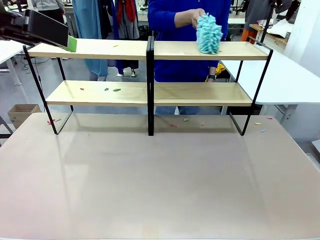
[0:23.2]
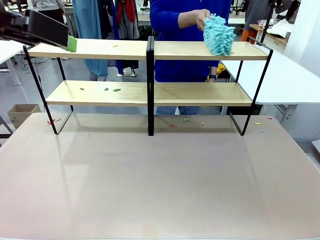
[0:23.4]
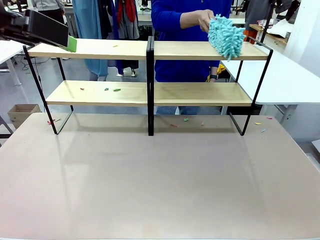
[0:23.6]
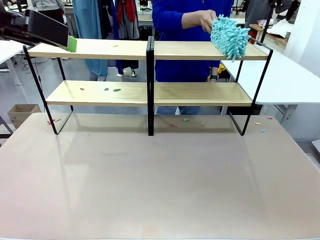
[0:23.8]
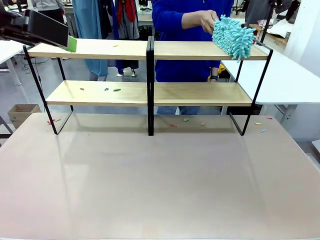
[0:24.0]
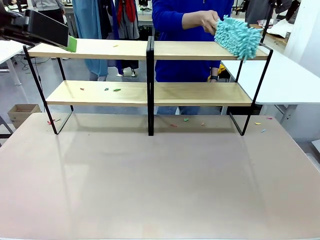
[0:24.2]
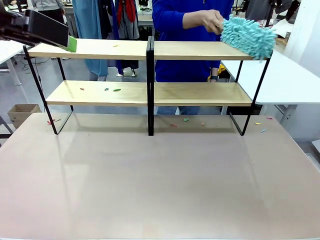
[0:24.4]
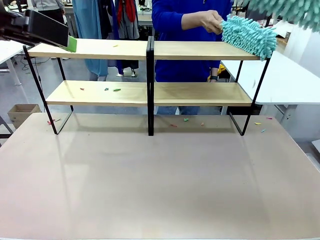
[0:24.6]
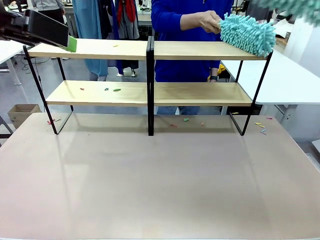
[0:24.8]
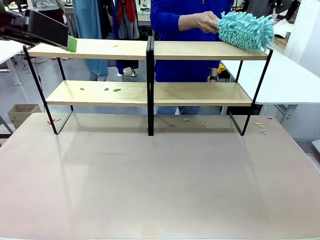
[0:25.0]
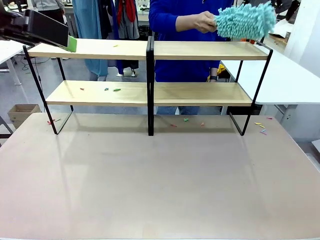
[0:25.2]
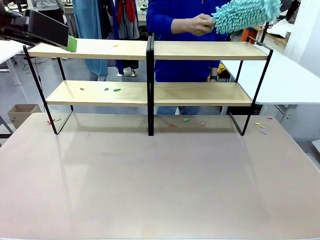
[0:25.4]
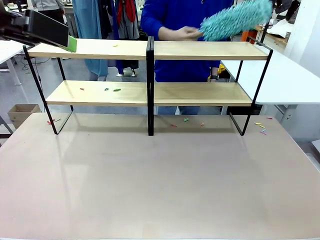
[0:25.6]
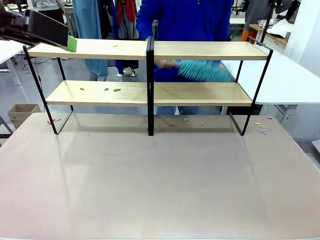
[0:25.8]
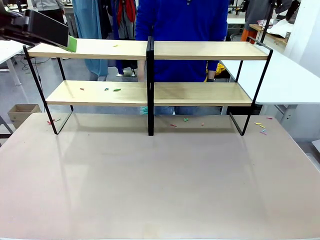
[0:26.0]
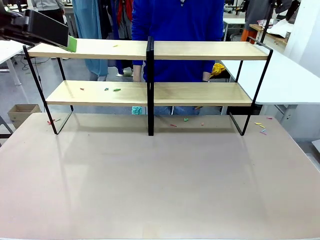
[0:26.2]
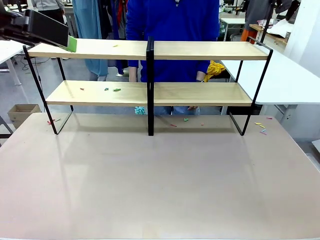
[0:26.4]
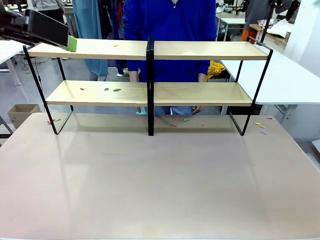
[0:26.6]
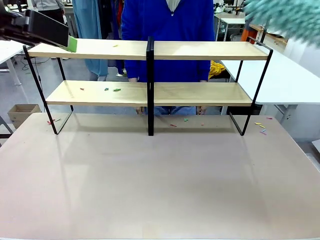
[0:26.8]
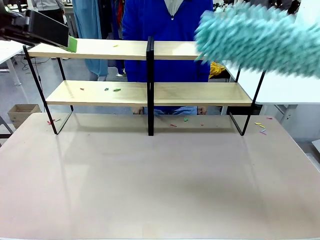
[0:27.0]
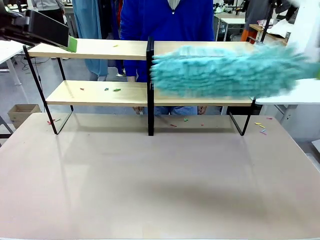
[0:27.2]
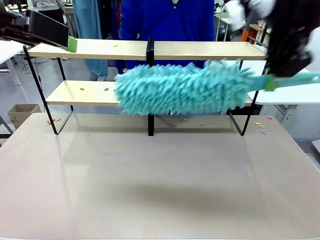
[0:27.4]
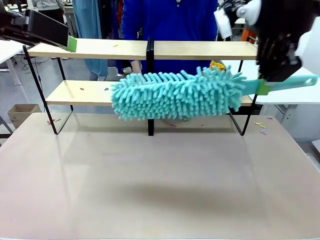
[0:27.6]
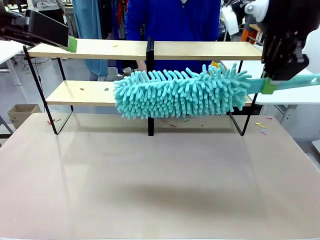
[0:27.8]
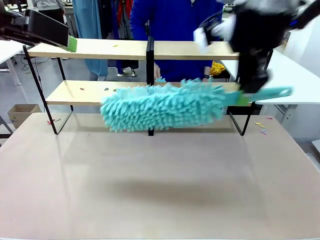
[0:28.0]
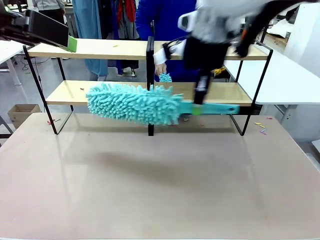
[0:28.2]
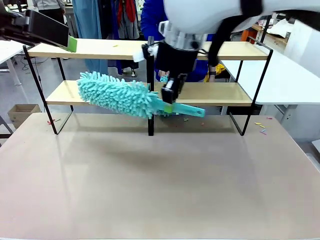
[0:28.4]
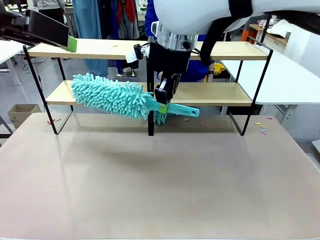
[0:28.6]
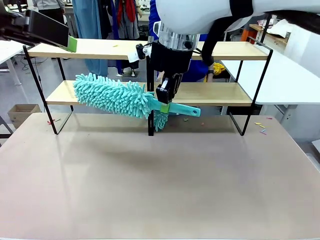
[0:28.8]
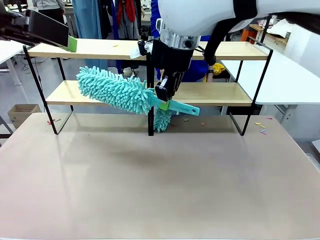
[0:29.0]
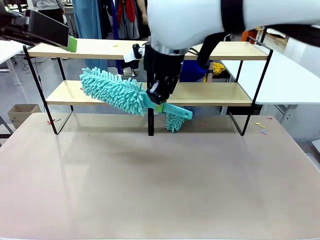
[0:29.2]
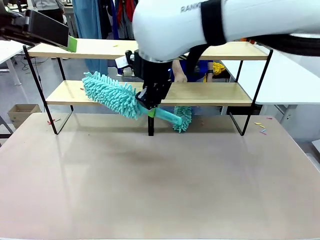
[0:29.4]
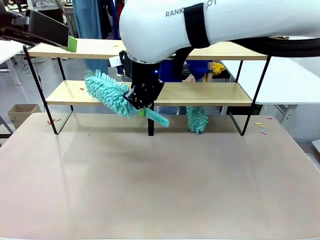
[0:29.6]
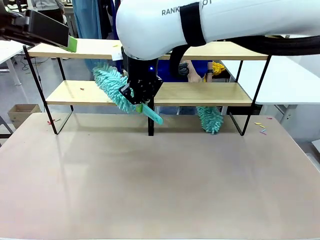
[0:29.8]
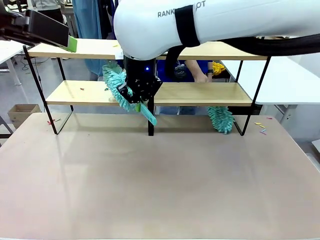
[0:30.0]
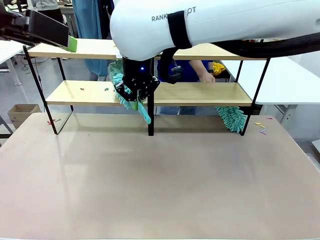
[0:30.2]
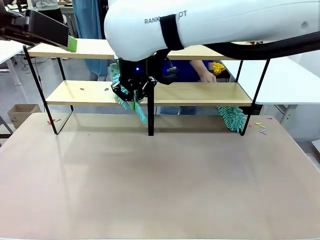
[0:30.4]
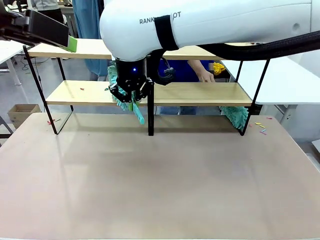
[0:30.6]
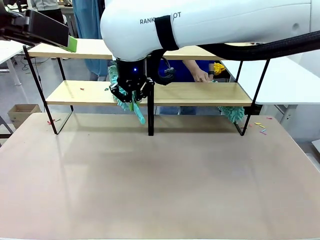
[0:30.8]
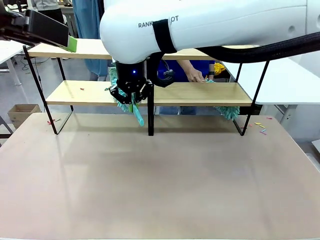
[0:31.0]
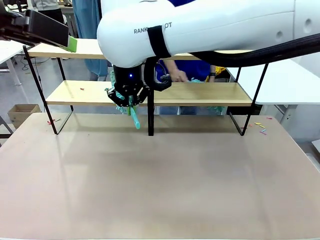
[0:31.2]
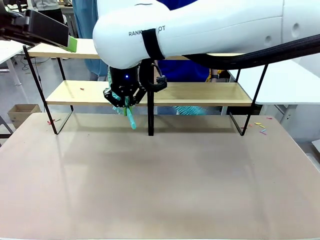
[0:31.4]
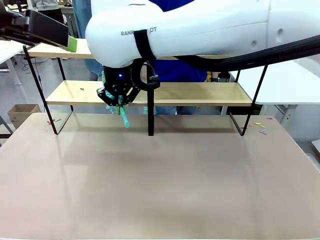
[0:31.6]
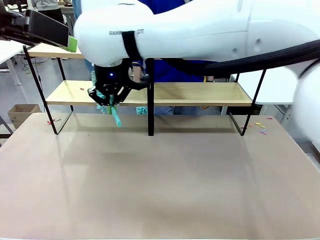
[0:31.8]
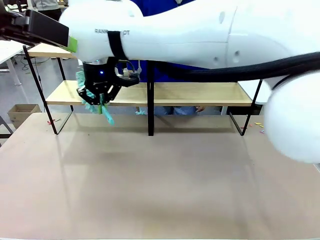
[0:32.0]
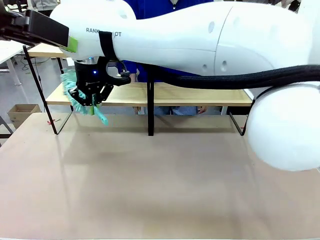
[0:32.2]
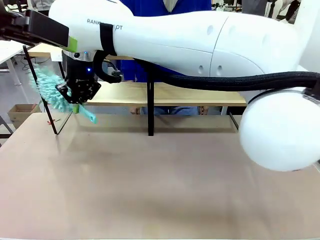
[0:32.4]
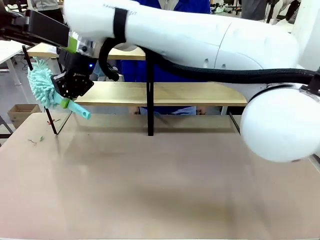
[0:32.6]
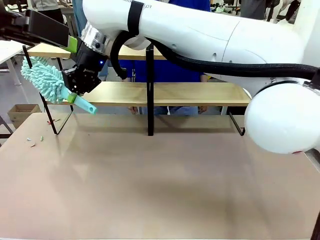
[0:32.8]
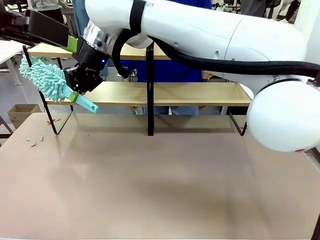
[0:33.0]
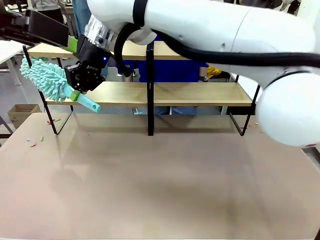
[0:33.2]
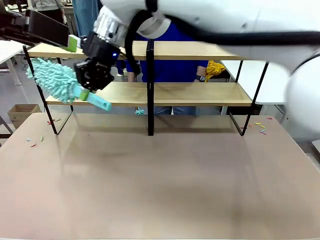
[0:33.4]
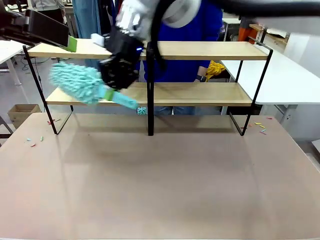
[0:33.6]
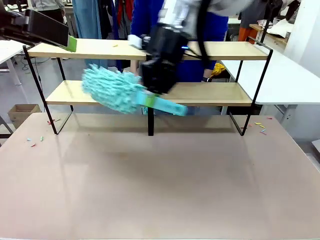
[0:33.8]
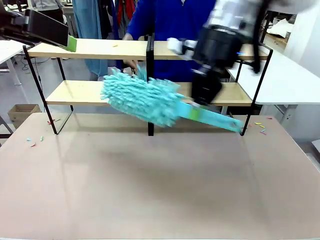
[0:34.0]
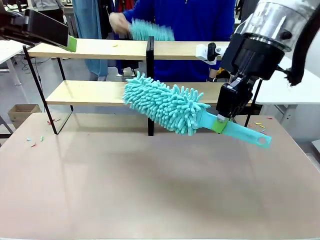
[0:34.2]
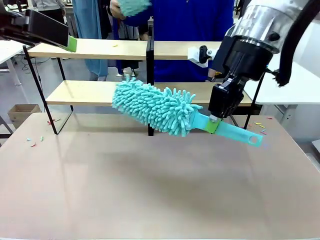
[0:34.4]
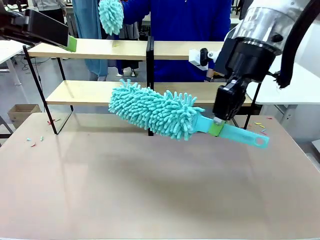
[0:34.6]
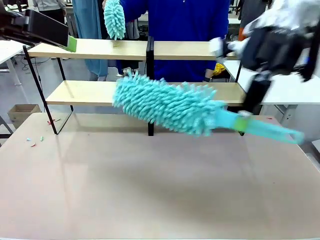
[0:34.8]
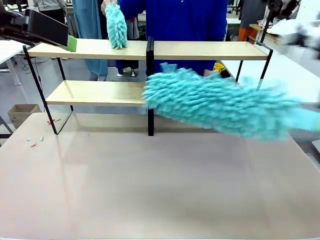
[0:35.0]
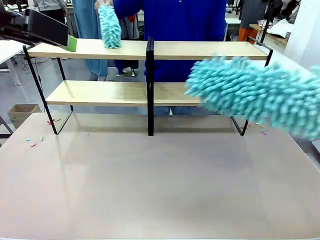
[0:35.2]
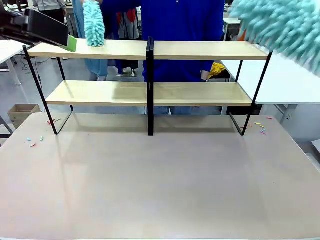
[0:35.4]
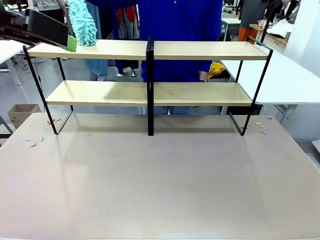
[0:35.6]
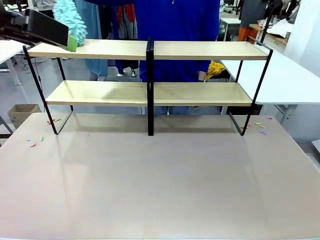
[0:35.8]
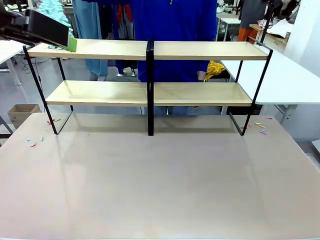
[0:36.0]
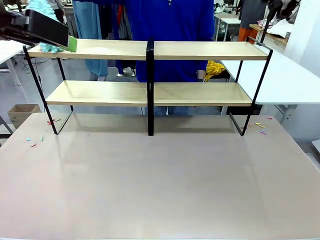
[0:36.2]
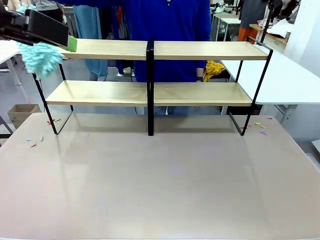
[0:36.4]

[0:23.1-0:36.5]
Task: Clean the shelves.
Robot: Clean another randomly selected level of the Shelf with the Duster.

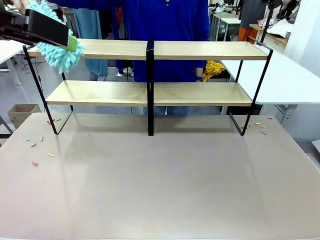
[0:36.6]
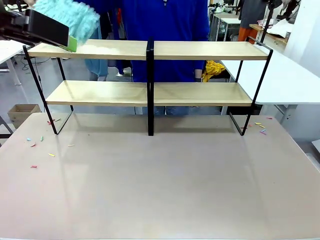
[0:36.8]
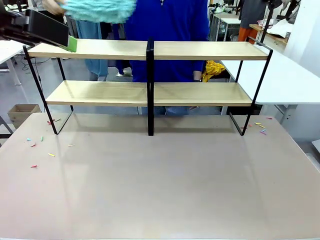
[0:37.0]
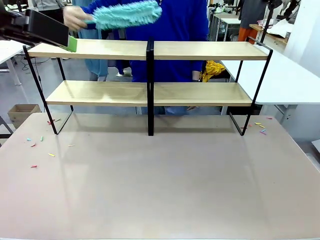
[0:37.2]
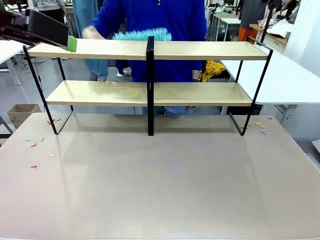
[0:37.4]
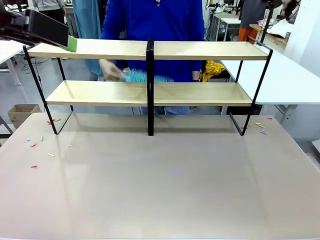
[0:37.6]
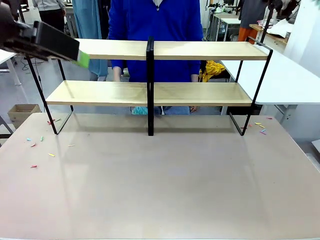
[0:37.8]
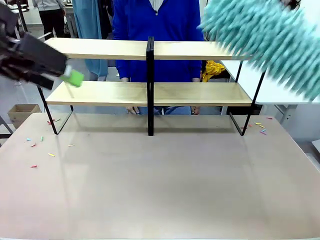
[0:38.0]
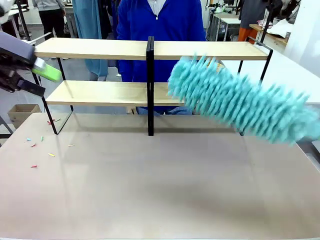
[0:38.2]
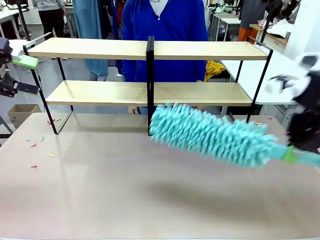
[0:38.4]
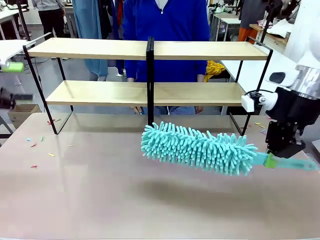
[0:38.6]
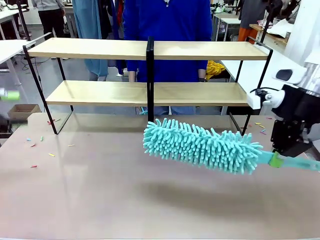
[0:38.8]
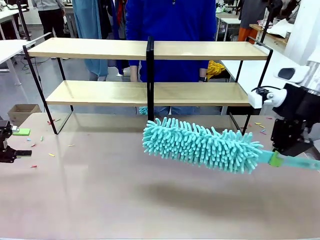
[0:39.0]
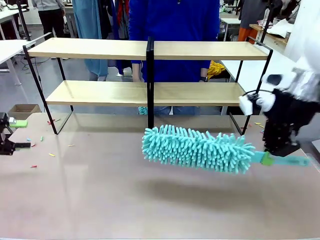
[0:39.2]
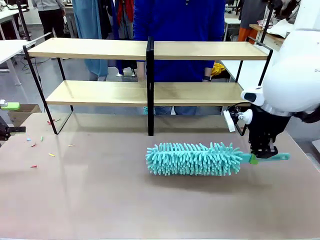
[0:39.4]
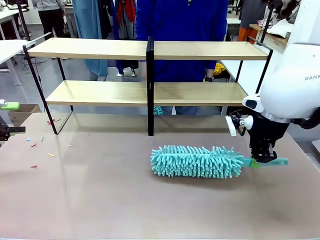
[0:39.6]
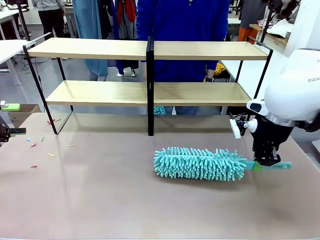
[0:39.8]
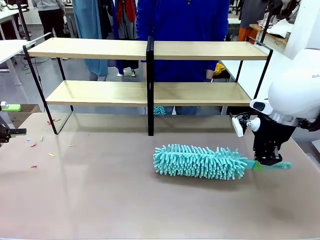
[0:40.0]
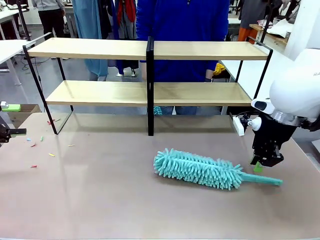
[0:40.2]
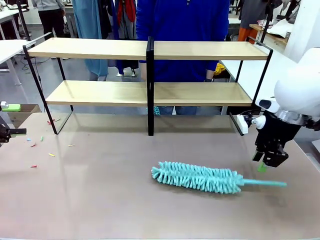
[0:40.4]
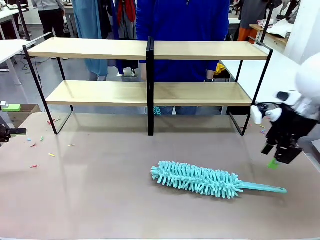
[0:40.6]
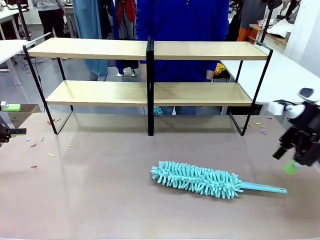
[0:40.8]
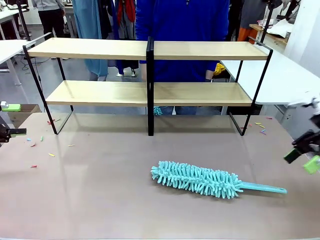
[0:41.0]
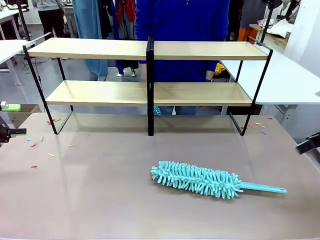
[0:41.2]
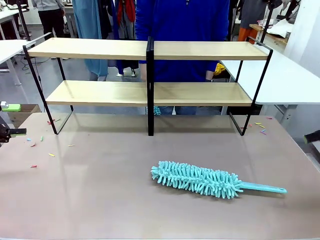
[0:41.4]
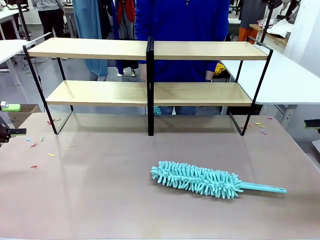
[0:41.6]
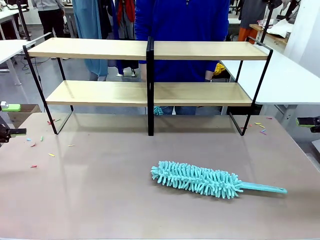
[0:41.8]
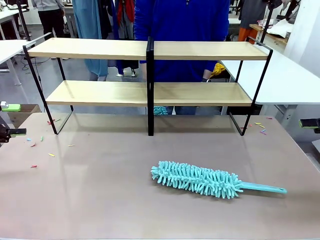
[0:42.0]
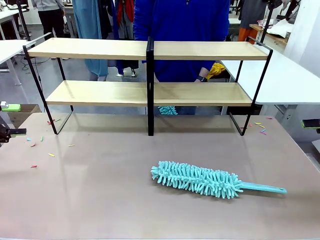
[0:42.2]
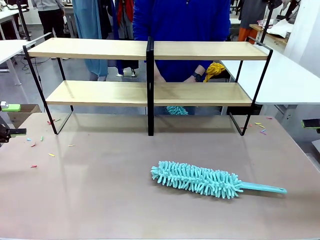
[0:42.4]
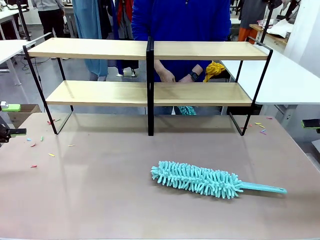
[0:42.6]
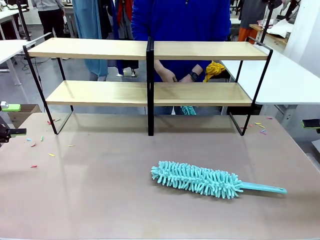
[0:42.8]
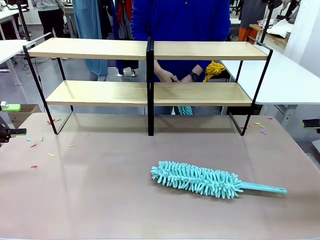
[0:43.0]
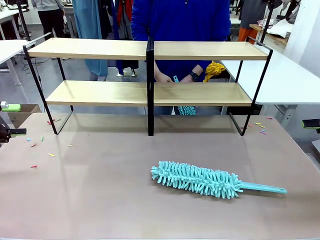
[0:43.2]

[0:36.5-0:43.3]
Robot: Place the Duster on the table.
